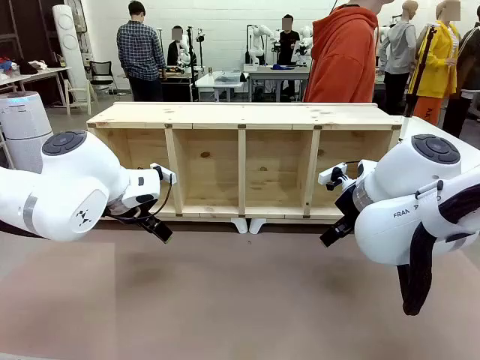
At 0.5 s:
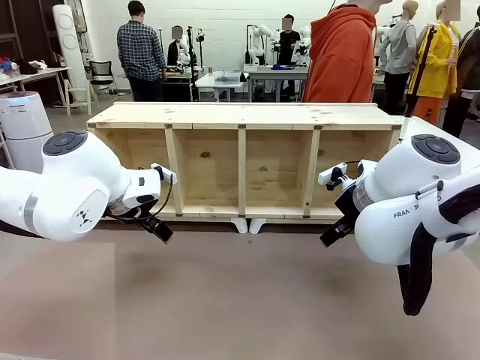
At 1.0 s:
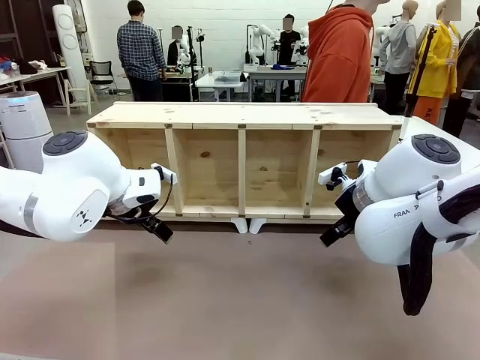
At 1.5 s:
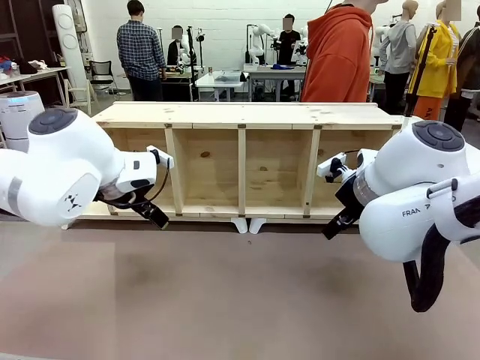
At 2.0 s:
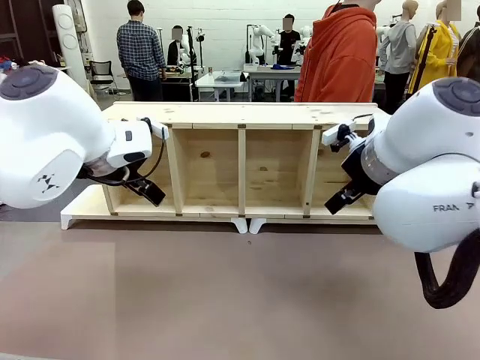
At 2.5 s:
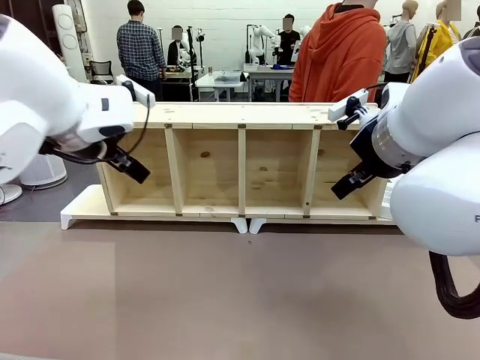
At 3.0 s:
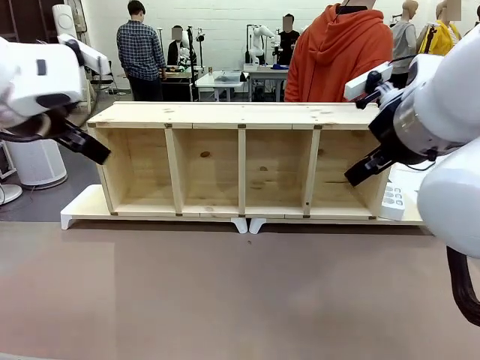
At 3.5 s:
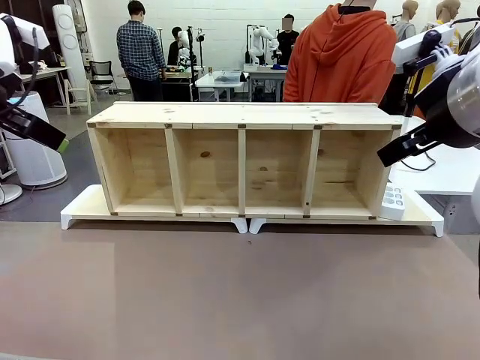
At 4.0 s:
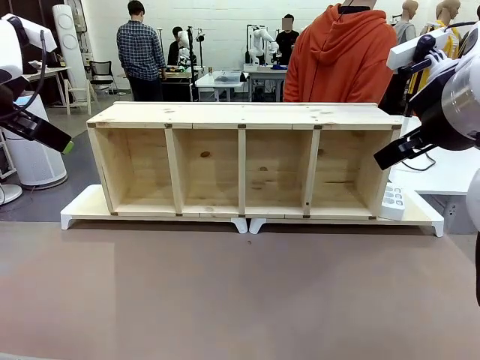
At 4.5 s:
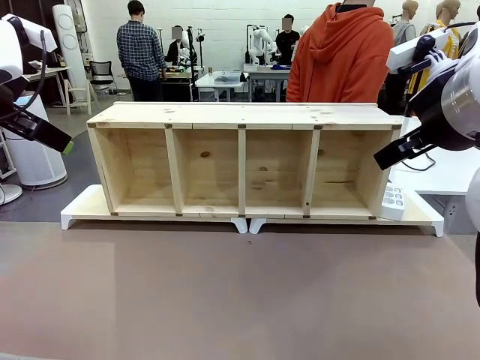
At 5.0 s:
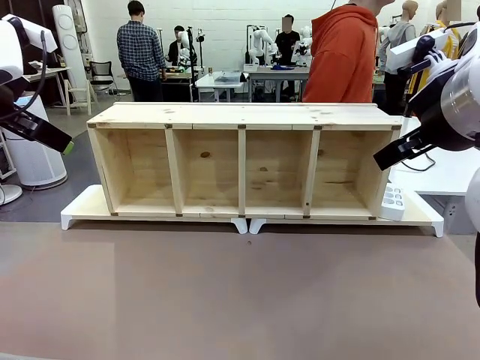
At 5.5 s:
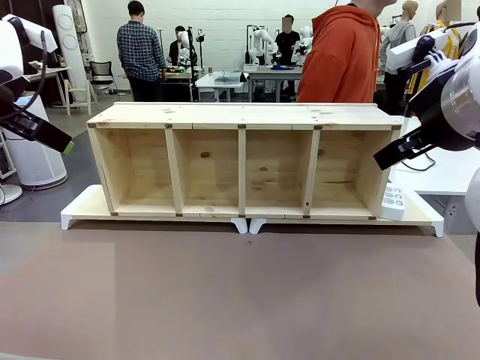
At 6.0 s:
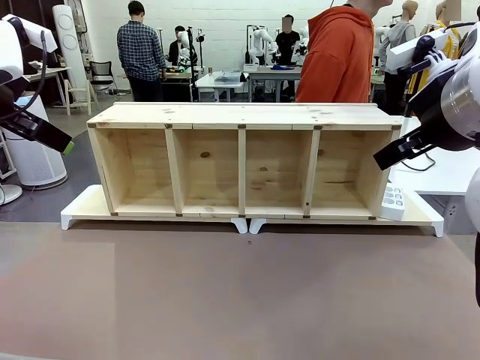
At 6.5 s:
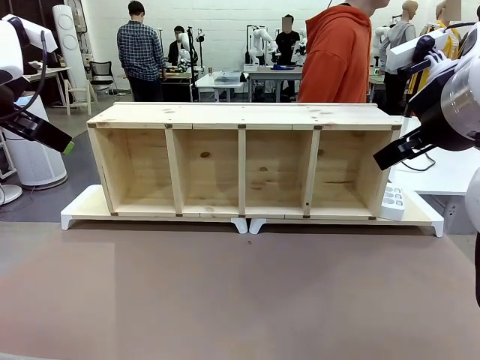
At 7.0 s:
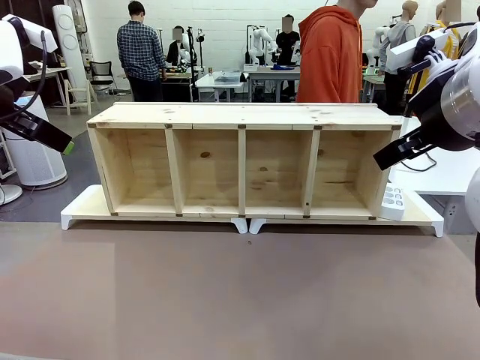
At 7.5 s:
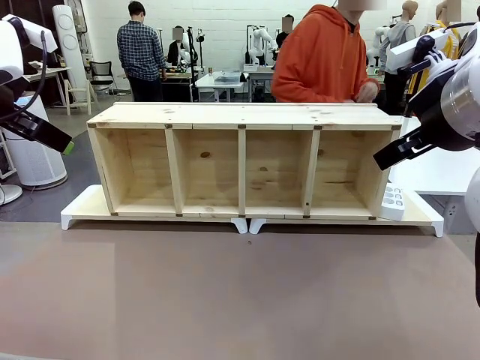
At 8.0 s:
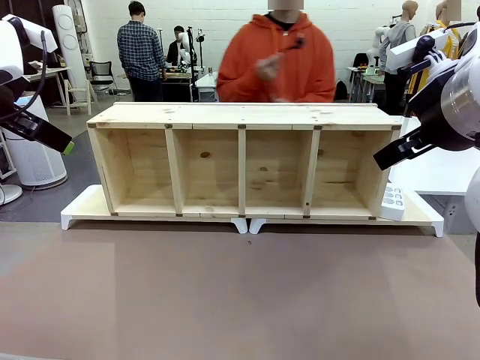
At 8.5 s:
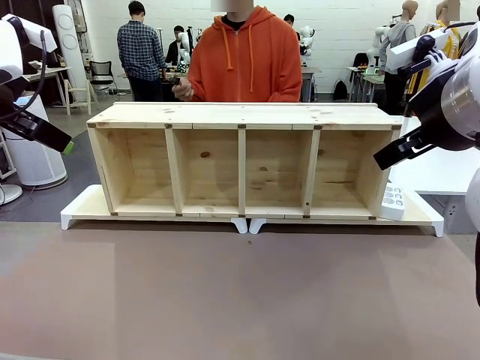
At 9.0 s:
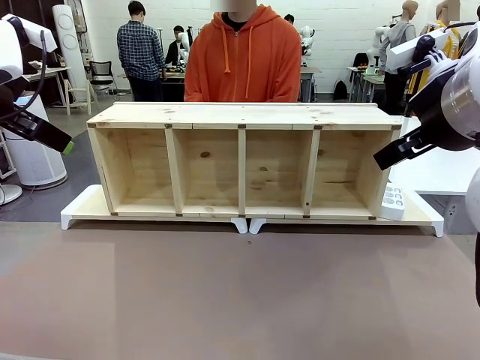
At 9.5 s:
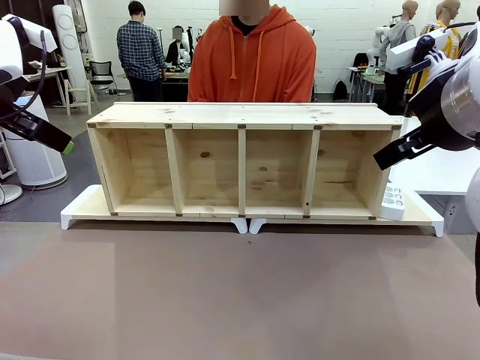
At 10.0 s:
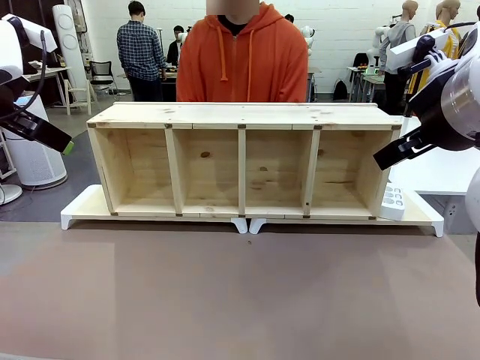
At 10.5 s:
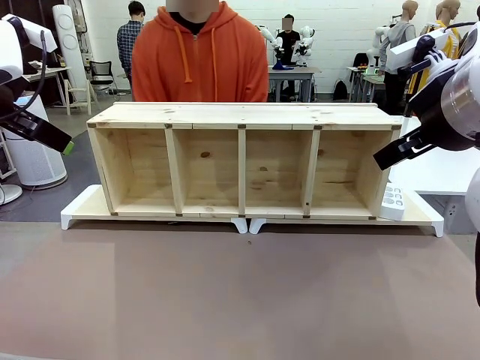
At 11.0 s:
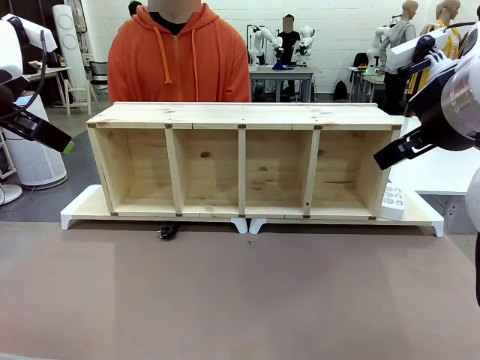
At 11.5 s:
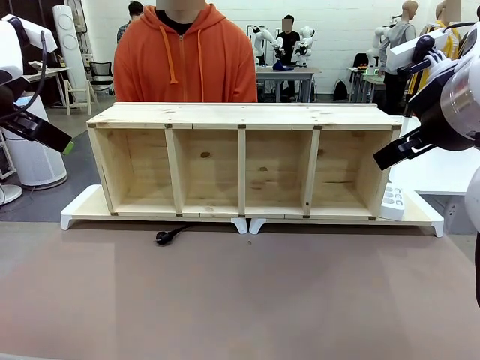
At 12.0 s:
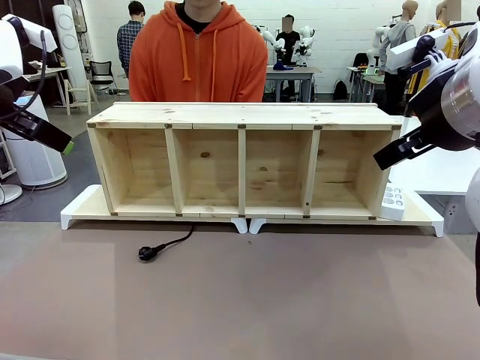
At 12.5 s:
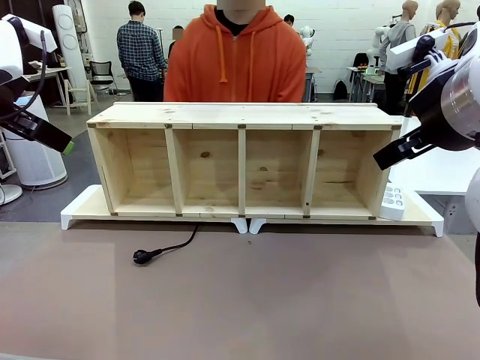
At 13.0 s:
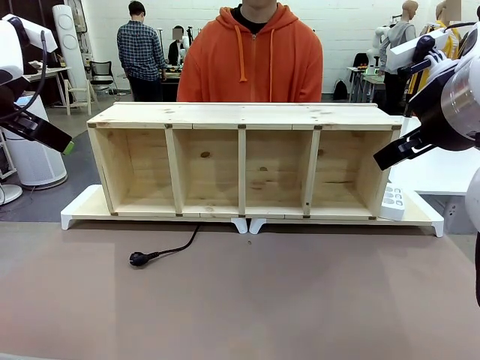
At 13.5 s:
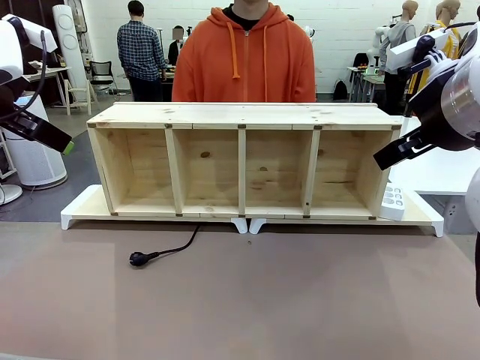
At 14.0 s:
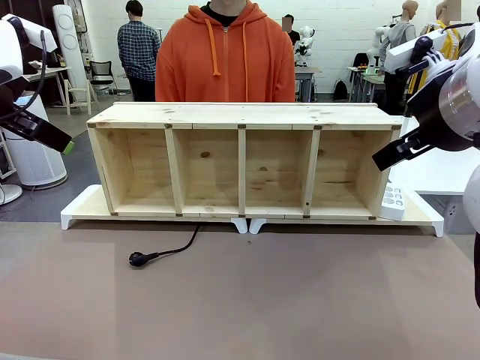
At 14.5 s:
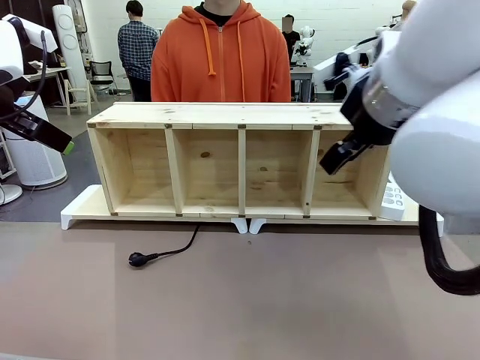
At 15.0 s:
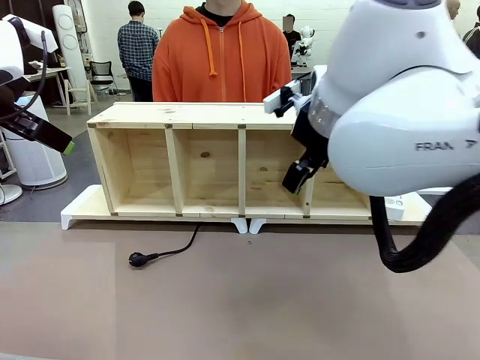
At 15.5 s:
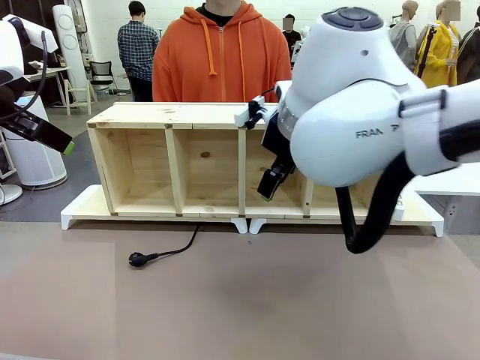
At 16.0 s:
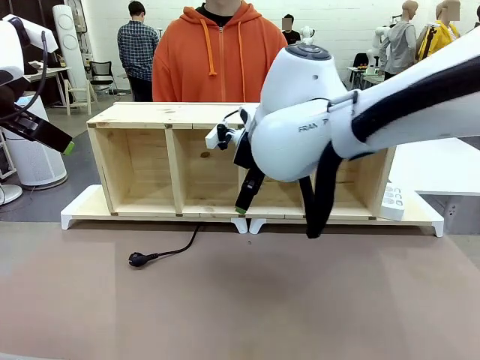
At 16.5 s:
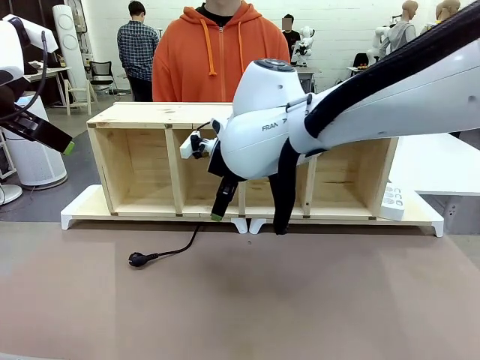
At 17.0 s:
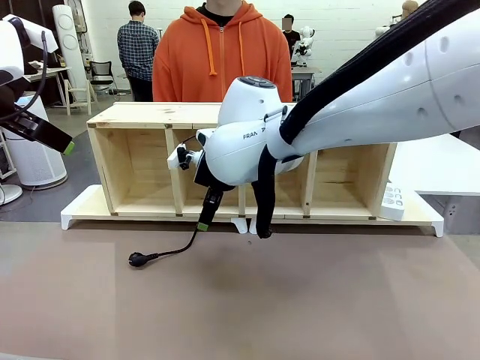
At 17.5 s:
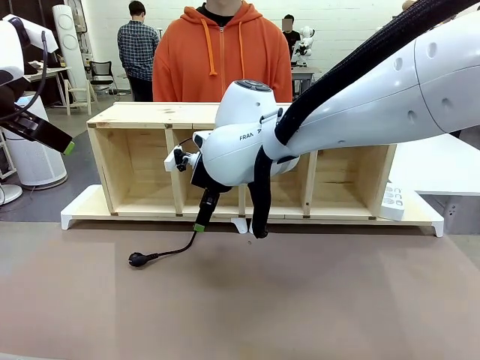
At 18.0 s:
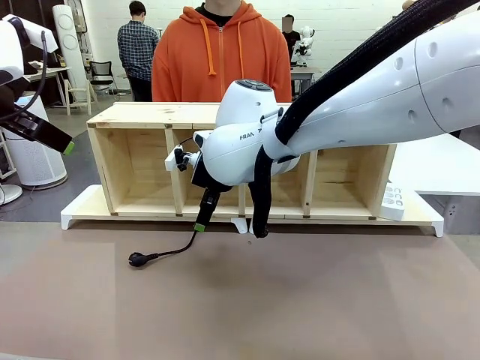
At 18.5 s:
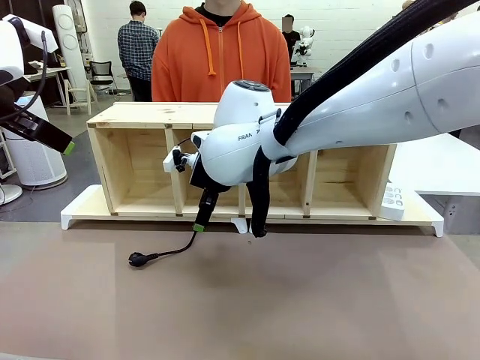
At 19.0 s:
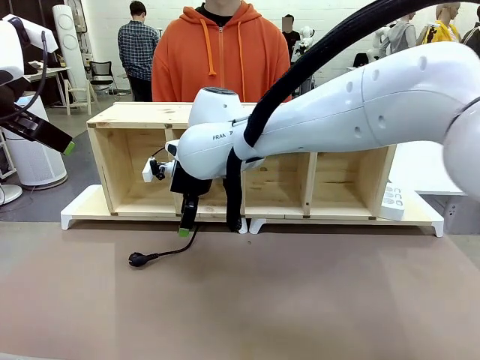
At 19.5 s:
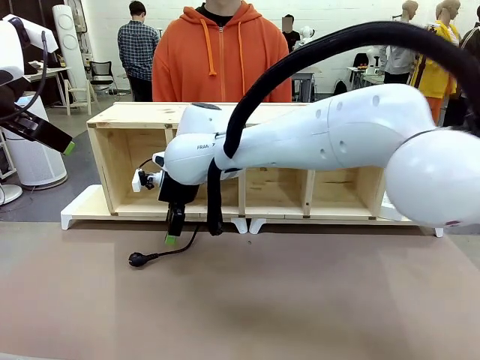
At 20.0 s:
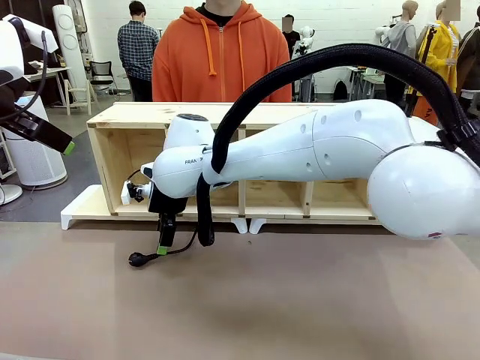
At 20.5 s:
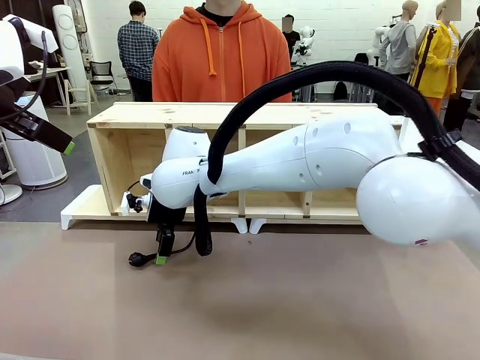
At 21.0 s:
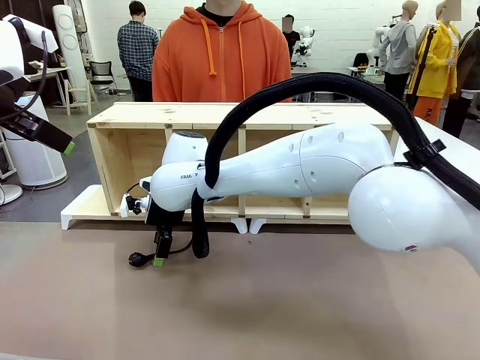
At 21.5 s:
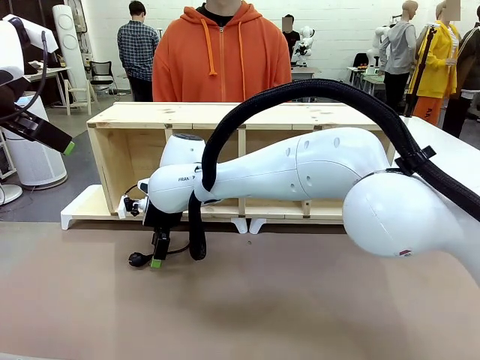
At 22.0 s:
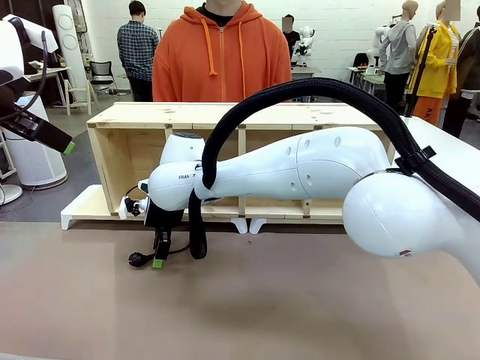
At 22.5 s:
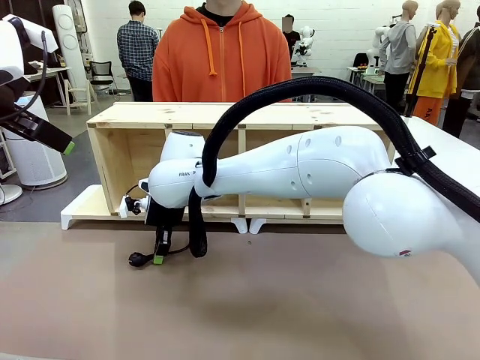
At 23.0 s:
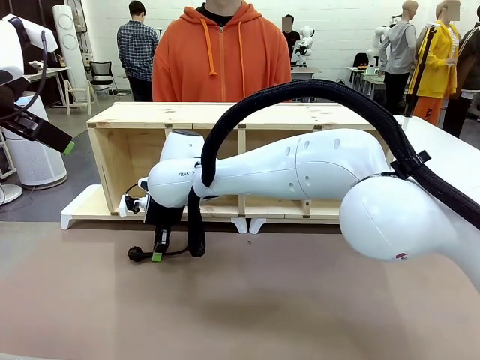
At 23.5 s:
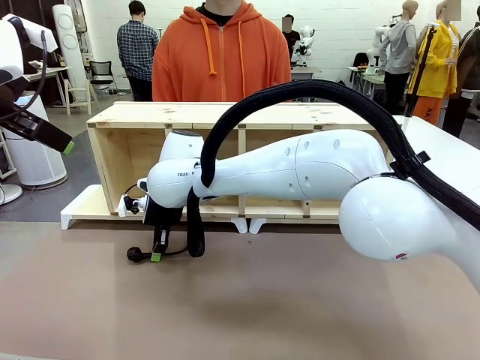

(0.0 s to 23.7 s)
Task: Perform cable management.
Robot: When the cord part of the Power Cable appears at the lower middle area of the table and stops, grasp the cord part of the Power Cable.
Person: Pass the Power Cable under the Serving Table.
